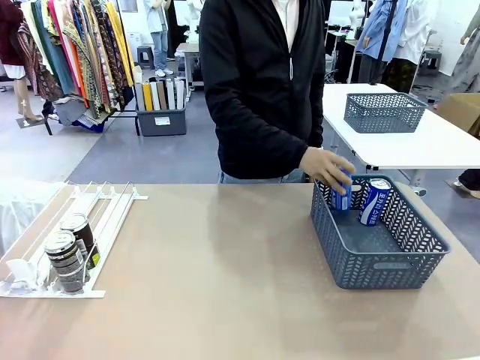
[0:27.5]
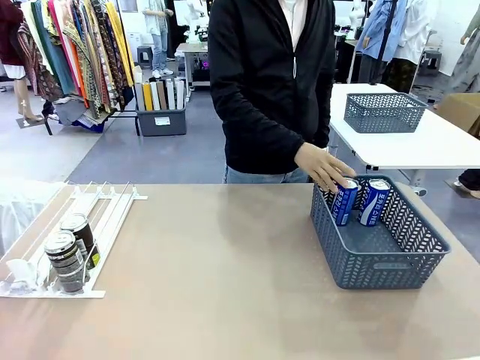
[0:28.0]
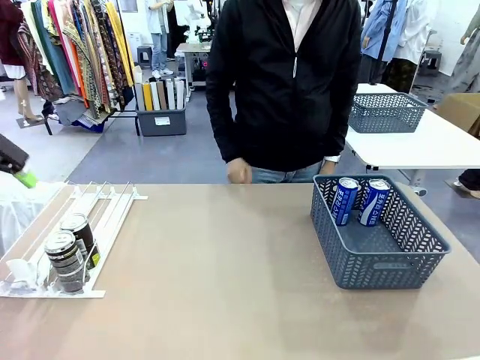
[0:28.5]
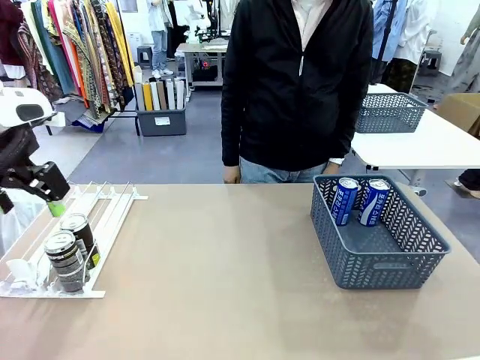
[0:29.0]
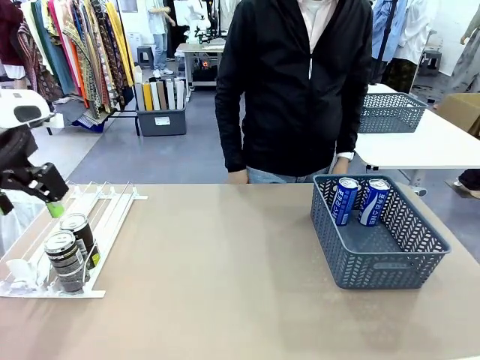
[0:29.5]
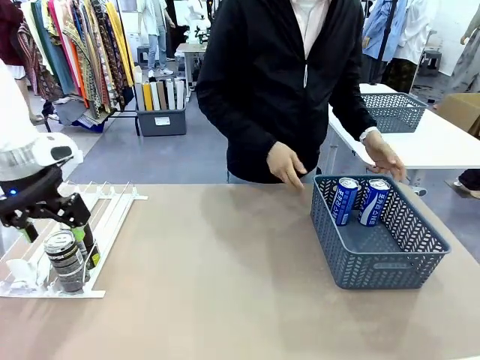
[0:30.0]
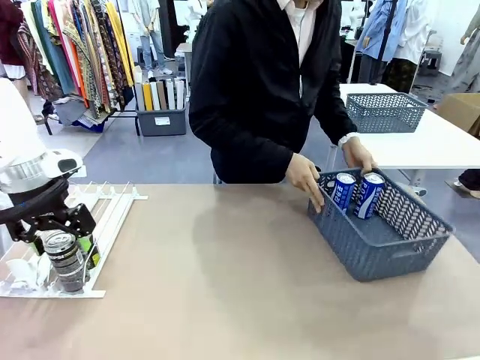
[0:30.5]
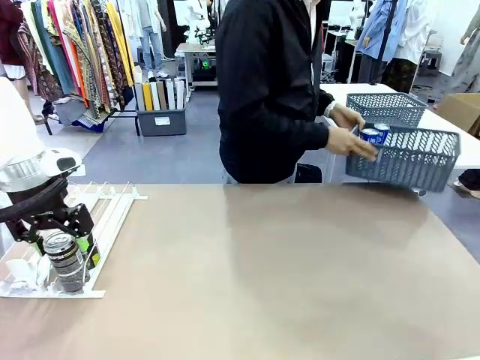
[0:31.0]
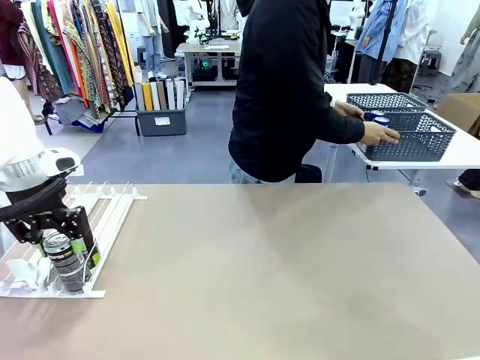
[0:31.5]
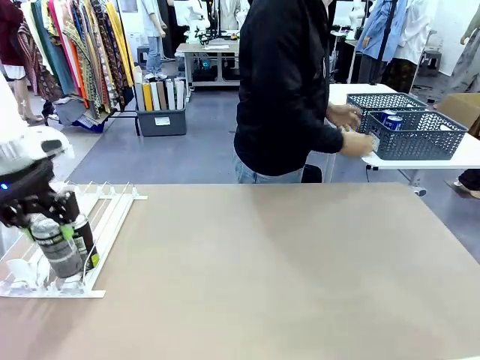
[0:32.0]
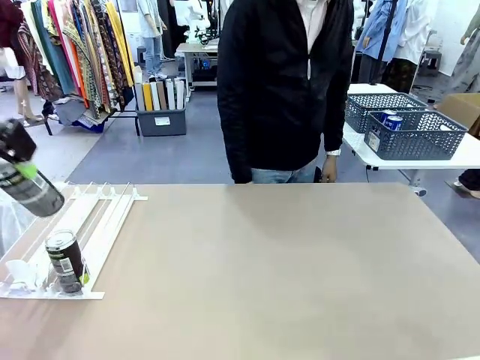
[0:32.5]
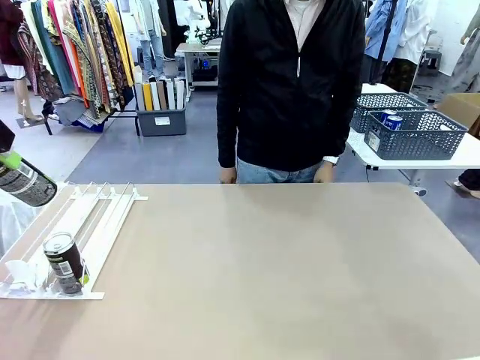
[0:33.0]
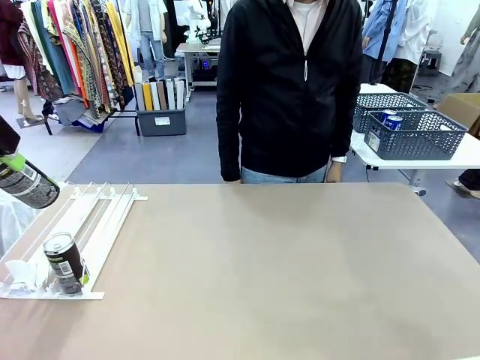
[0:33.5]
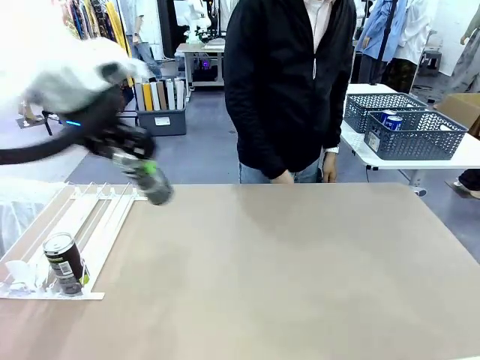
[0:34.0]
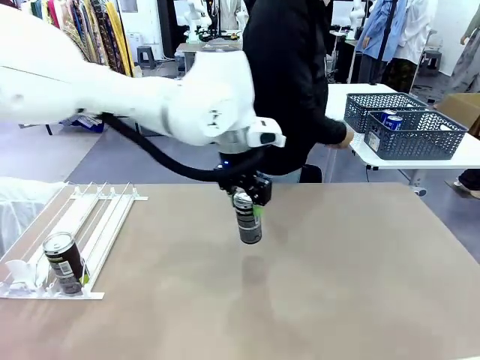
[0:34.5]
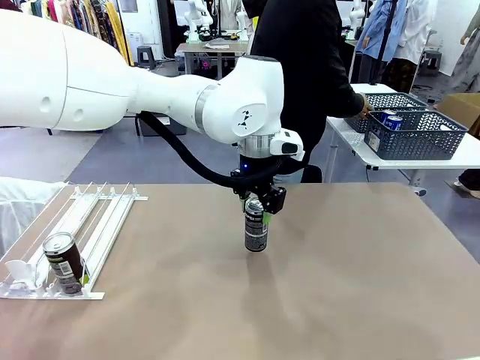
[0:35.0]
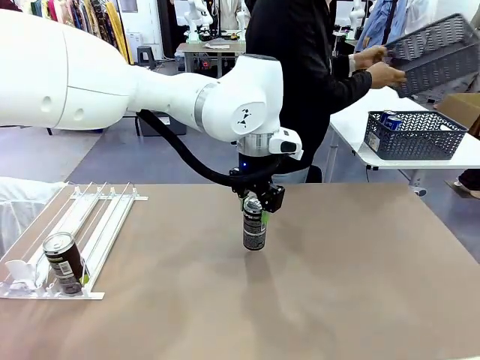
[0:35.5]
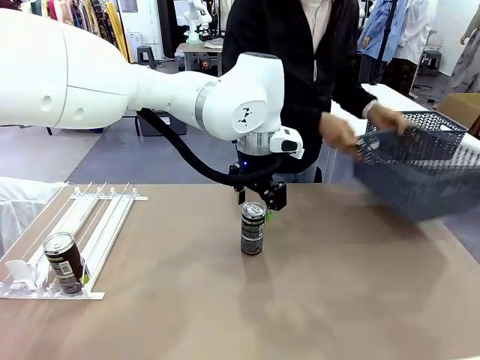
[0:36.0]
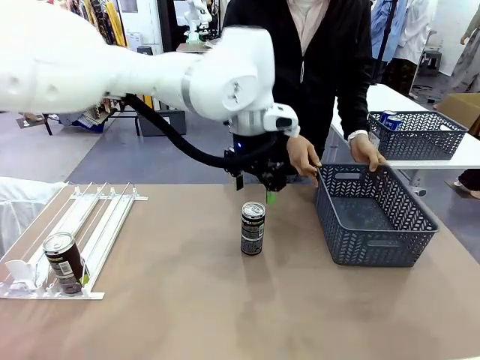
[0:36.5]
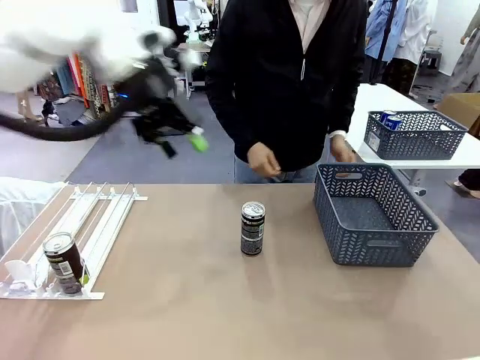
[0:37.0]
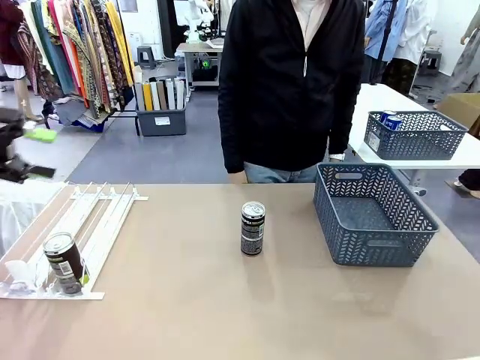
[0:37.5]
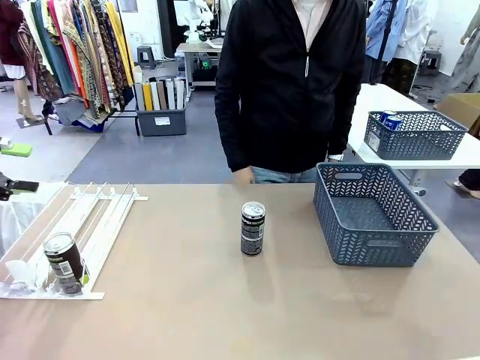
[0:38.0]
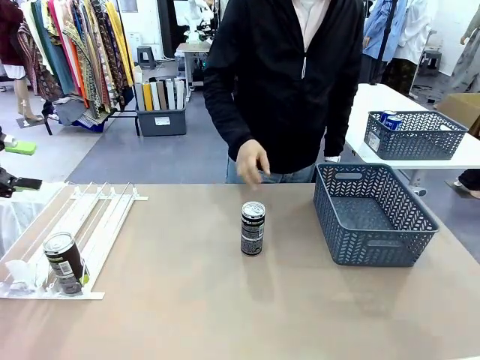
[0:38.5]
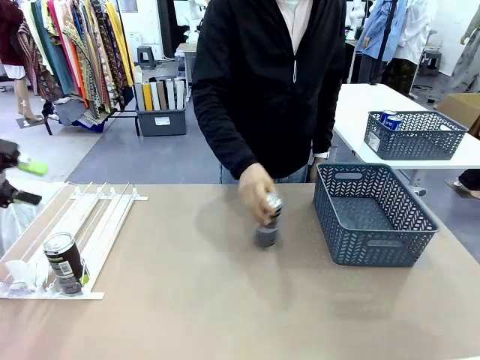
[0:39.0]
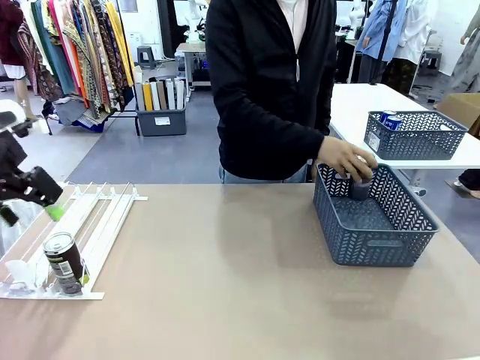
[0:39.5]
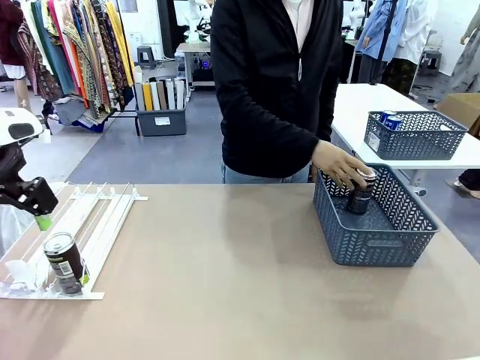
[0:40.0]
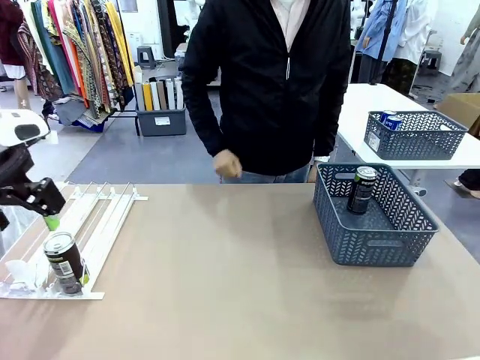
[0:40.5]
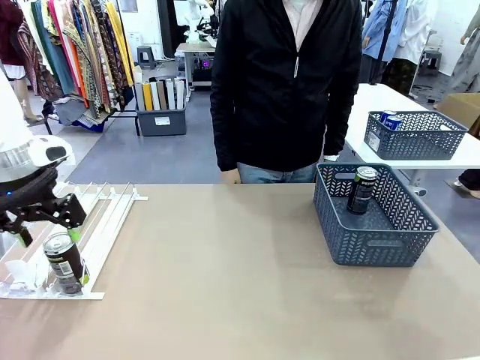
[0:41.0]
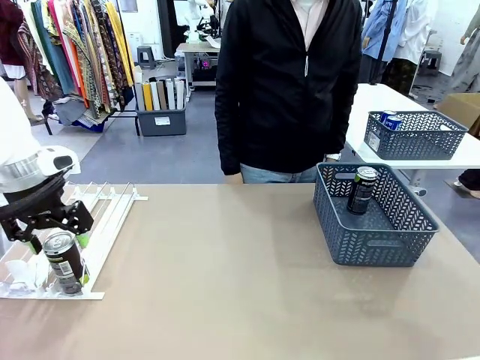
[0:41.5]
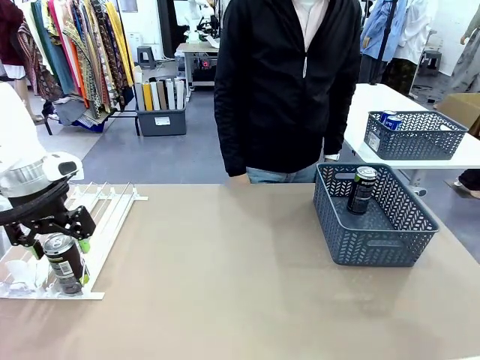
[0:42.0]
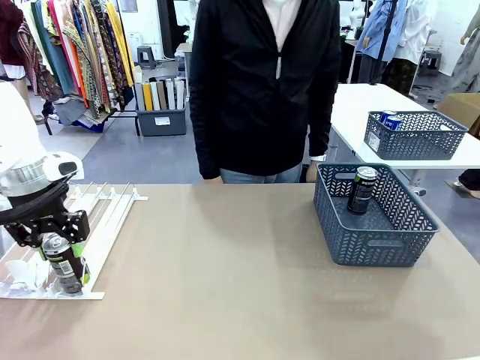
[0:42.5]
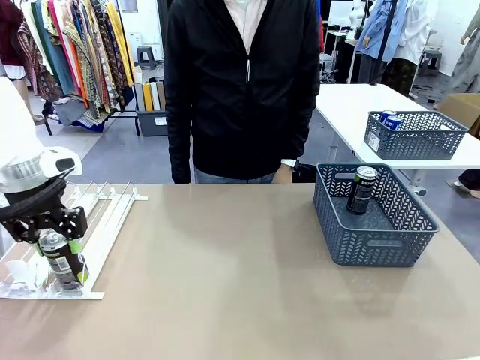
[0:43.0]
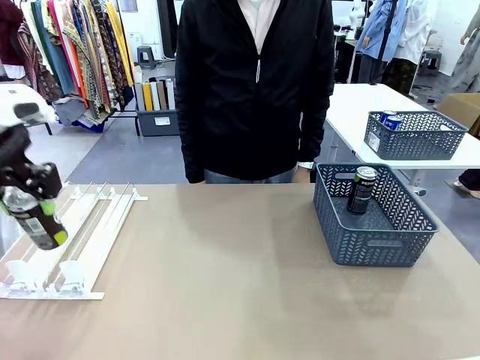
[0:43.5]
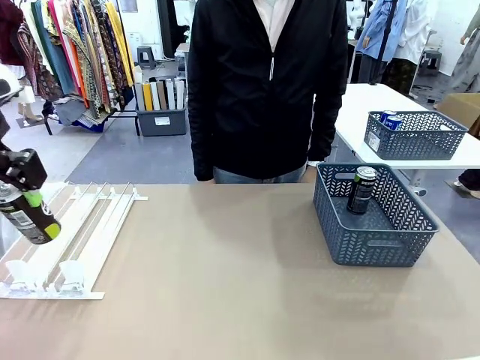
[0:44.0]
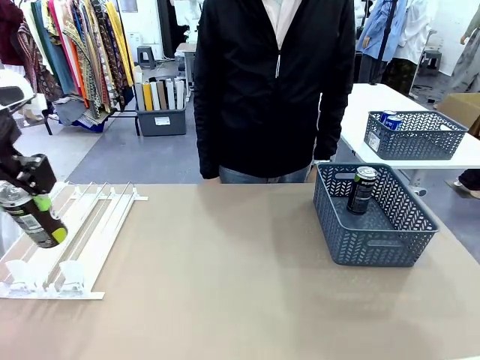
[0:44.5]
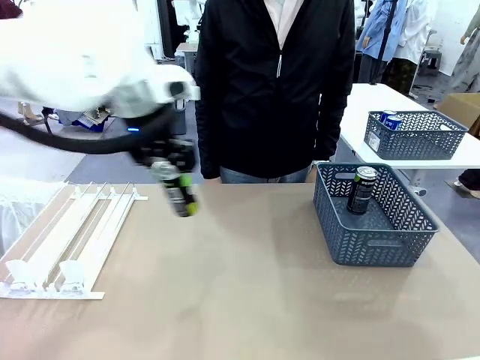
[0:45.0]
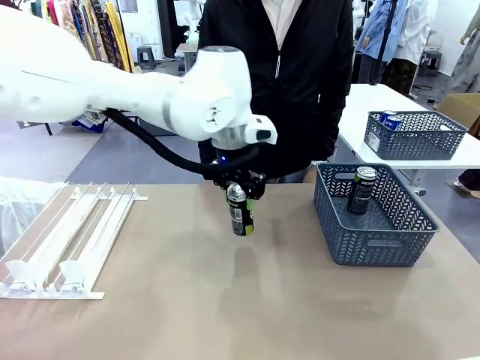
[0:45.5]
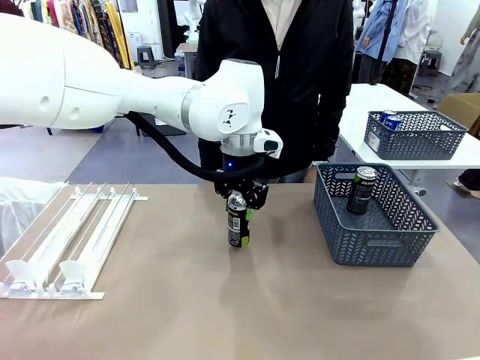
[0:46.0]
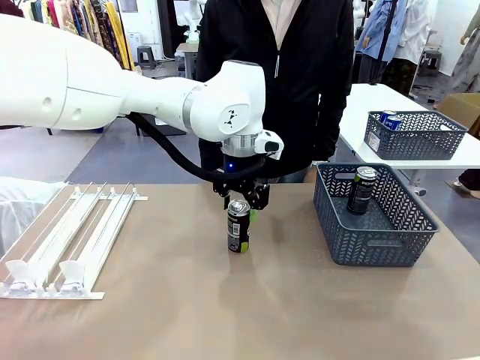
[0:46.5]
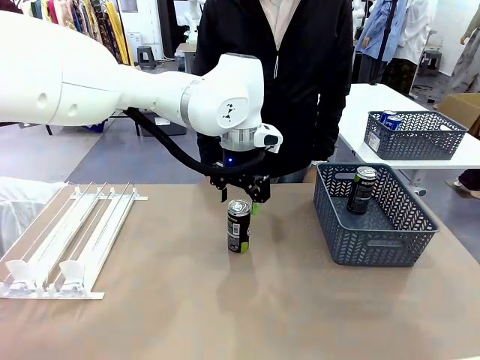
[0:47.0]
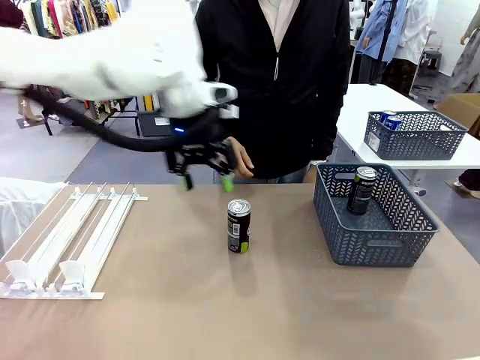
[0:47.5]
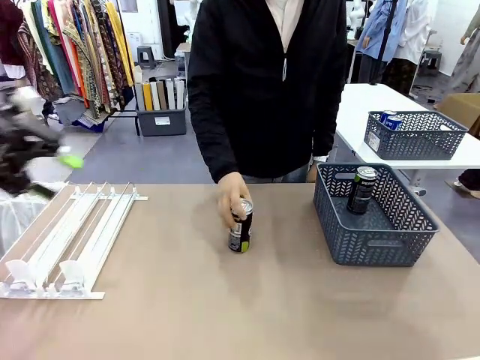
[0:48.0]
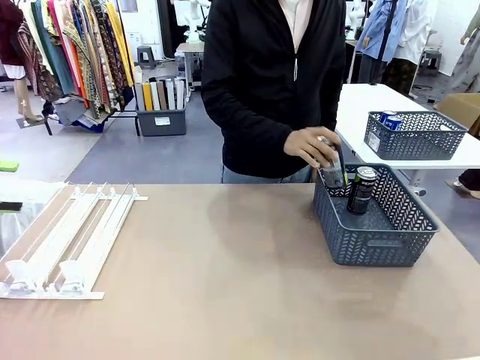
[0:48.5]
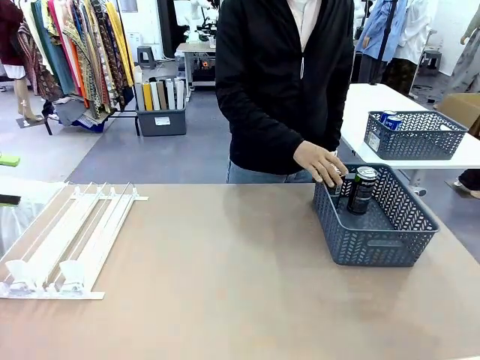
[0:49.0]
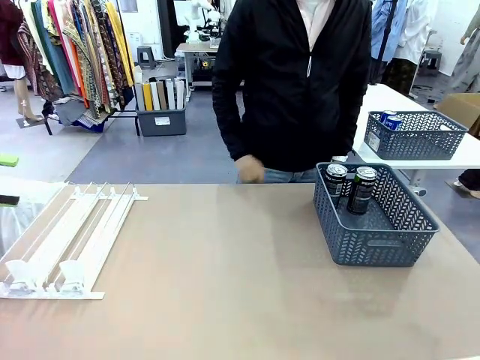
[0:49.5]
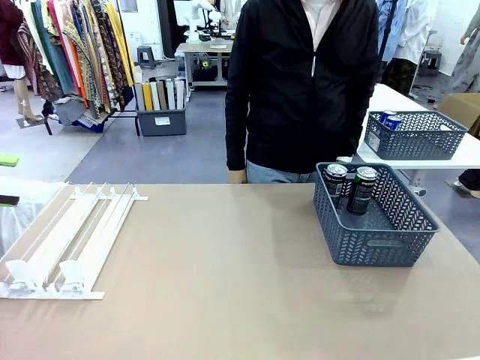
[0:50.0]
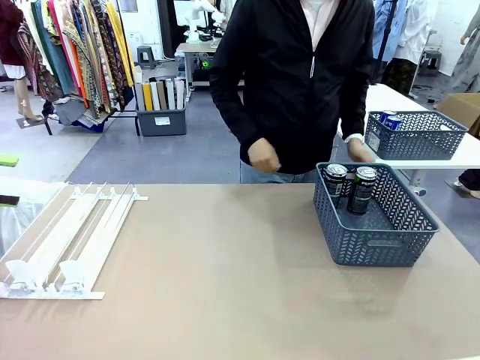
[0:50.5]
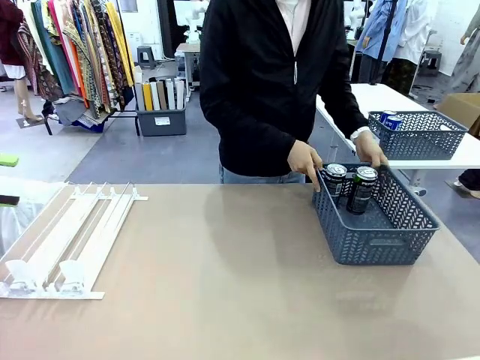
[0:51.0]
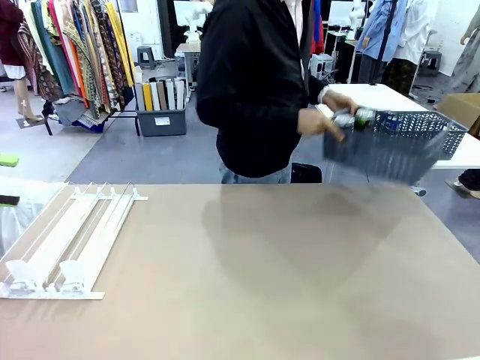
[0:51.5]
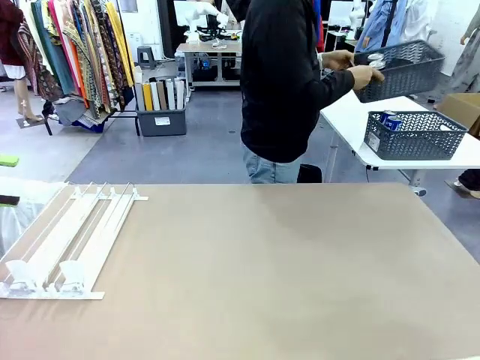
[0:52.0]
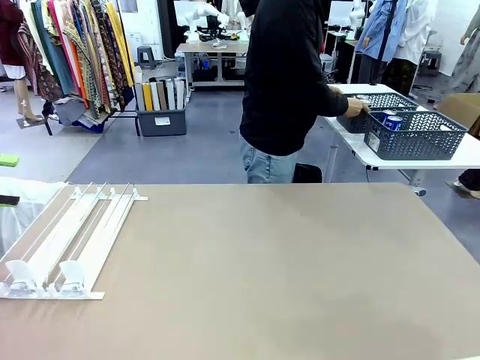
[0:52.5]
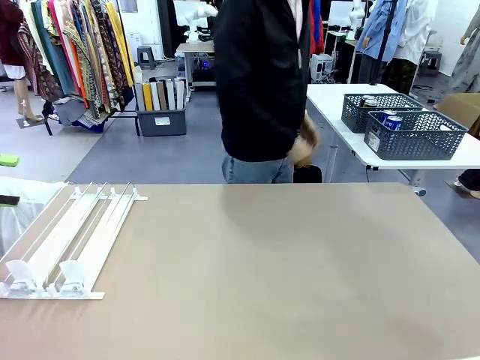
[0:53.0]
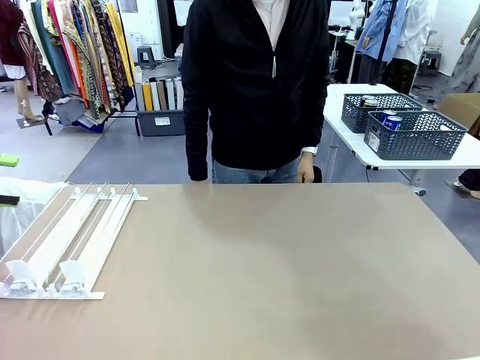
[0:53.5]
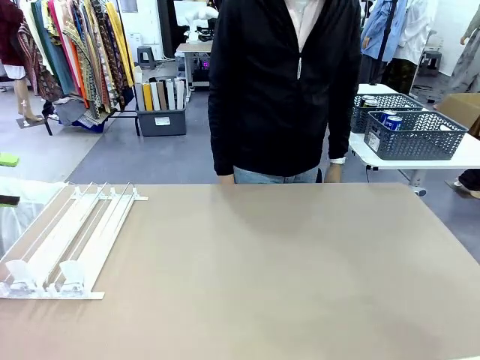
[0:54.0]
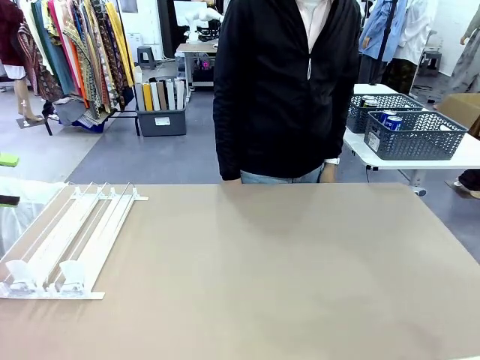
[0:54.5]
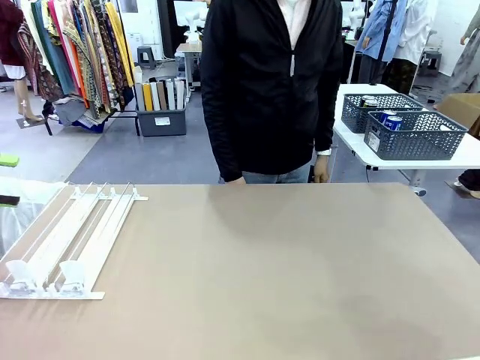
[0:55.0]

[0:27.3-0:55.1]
Task: Retrieve and store the cans from the dispenser.
Robot: Pick up one can from the Automatic Can Dispenser and place it in the middle of the table.
Person: Pick up the basket and place it in the middle of the human table. Pick up the empty basket and place it on the left side of the robot table. Pick up one sports drink can from the middle of the robot table and place it in the basket. Pick up the basket and place it in the middle of the human table.
